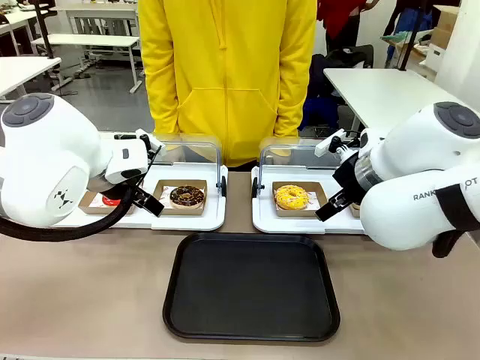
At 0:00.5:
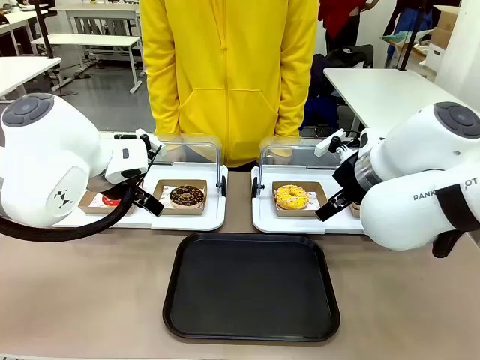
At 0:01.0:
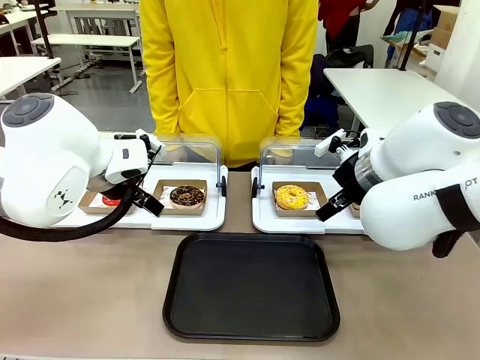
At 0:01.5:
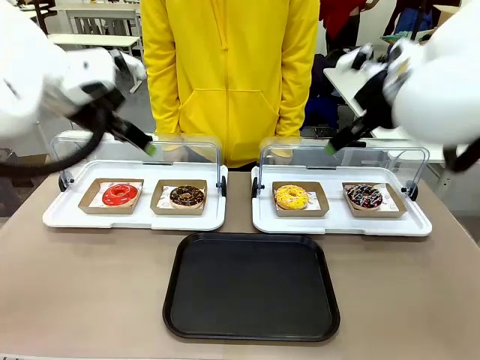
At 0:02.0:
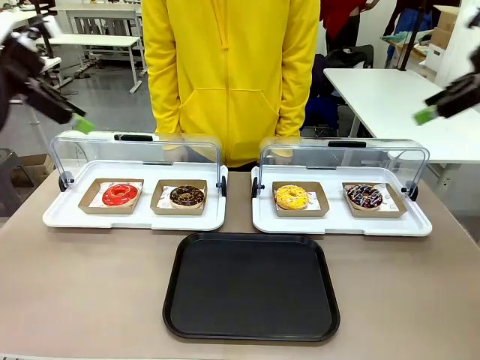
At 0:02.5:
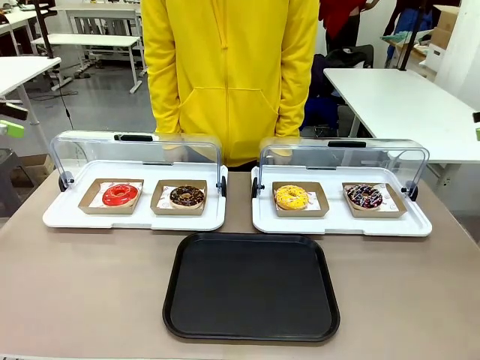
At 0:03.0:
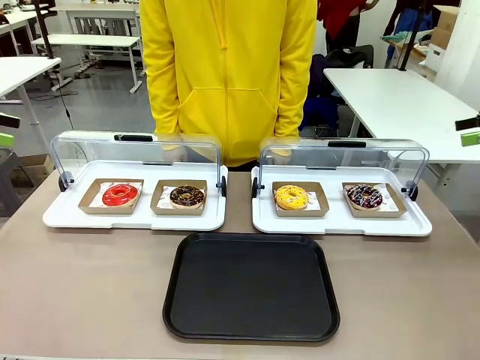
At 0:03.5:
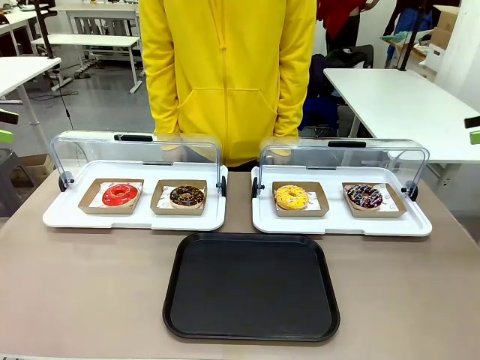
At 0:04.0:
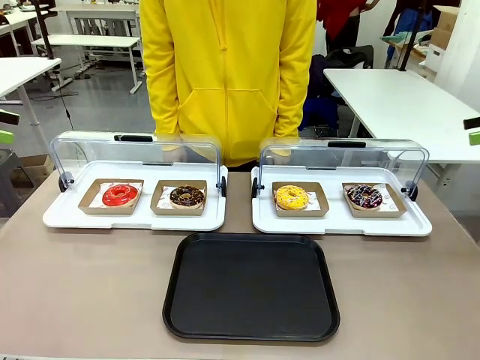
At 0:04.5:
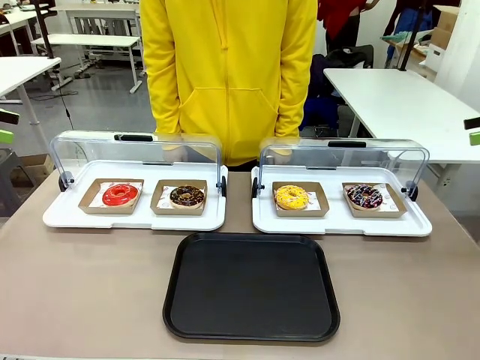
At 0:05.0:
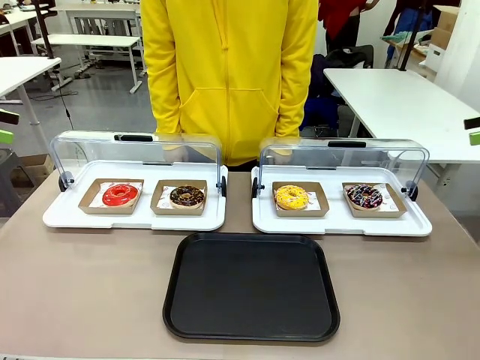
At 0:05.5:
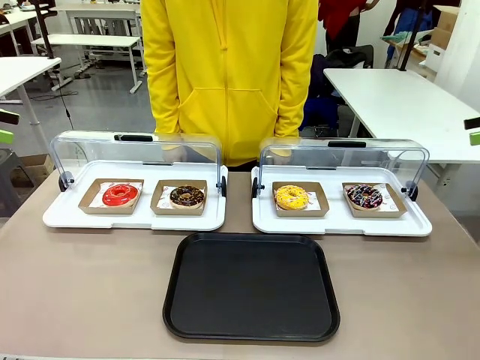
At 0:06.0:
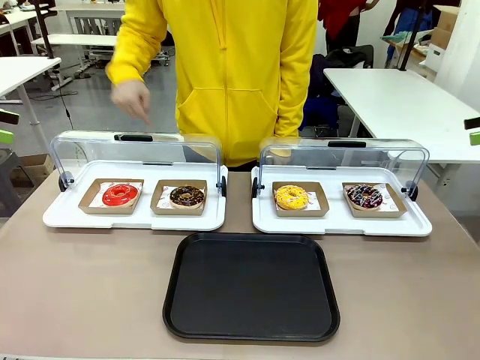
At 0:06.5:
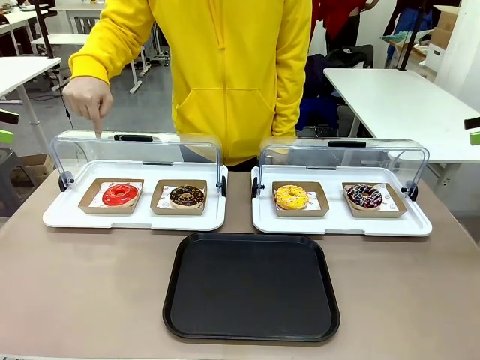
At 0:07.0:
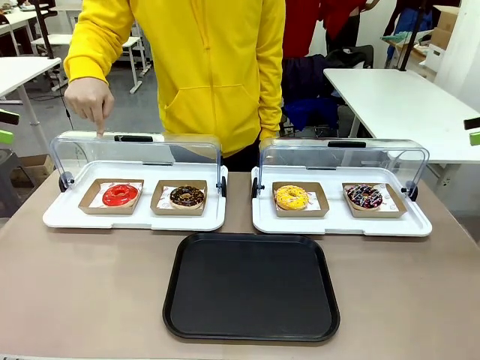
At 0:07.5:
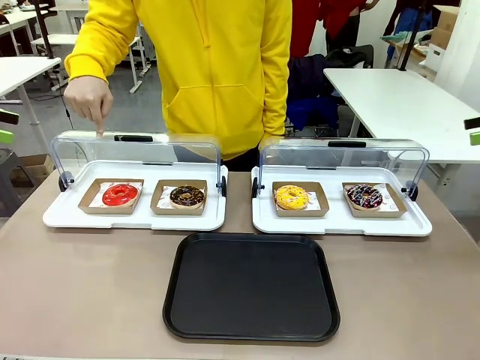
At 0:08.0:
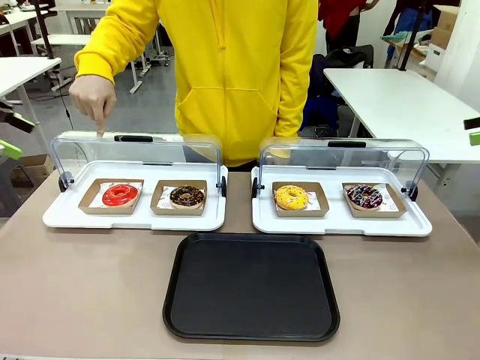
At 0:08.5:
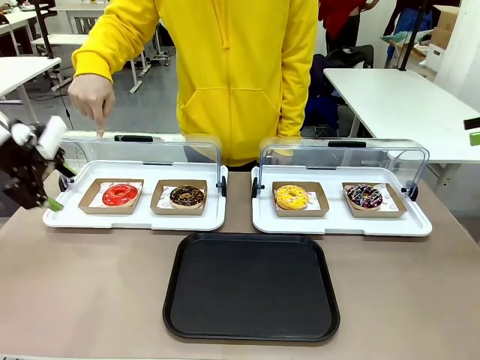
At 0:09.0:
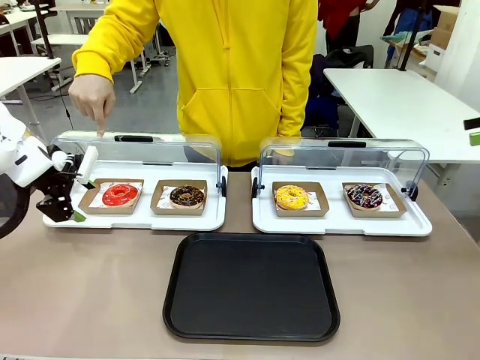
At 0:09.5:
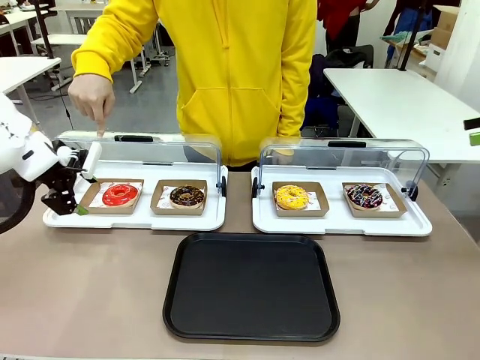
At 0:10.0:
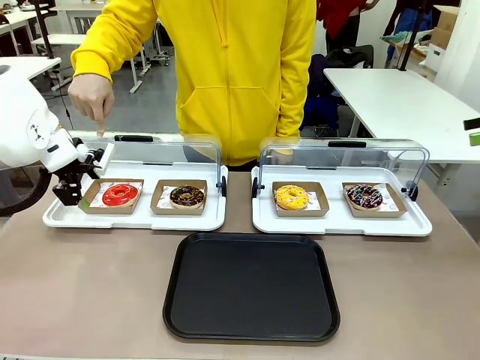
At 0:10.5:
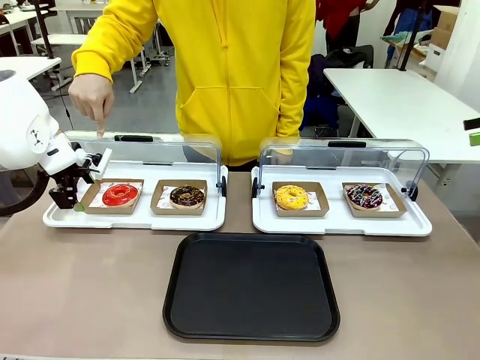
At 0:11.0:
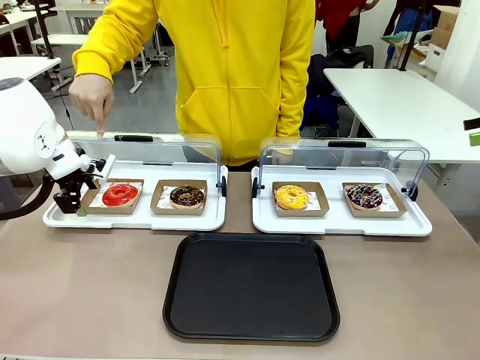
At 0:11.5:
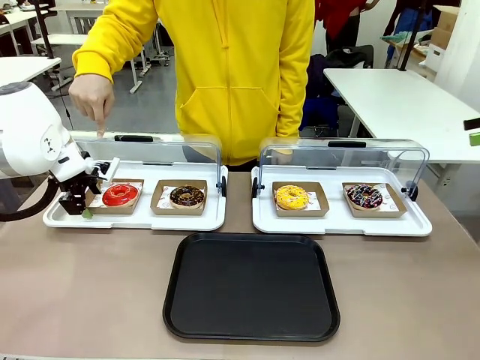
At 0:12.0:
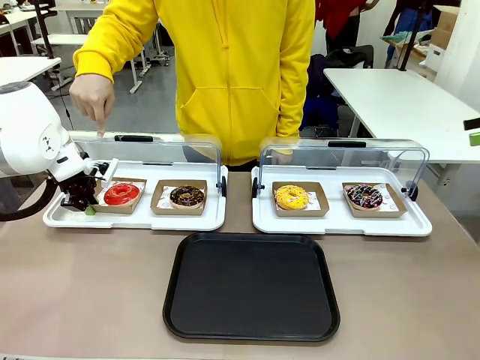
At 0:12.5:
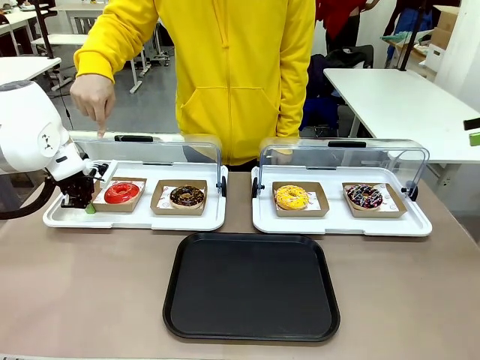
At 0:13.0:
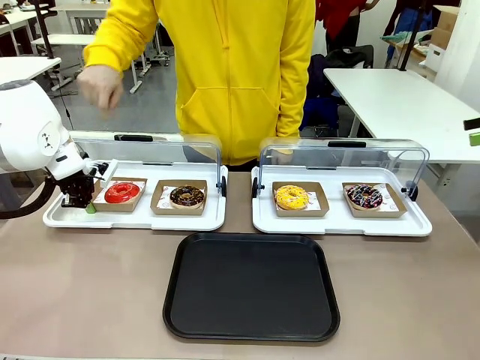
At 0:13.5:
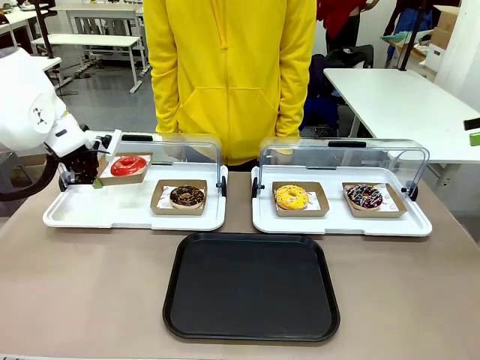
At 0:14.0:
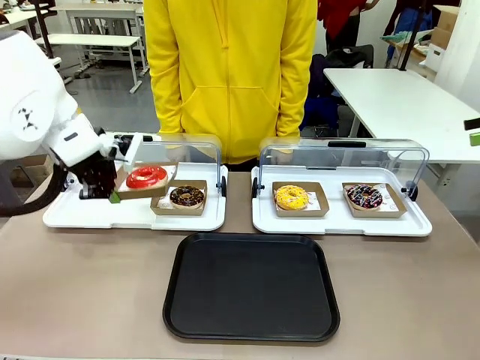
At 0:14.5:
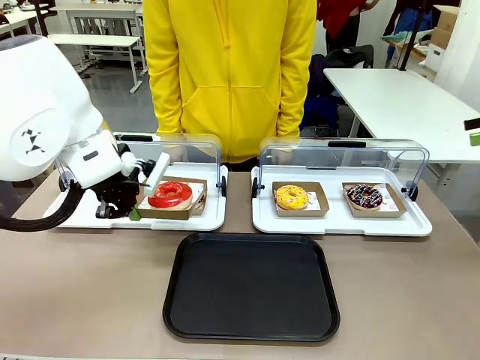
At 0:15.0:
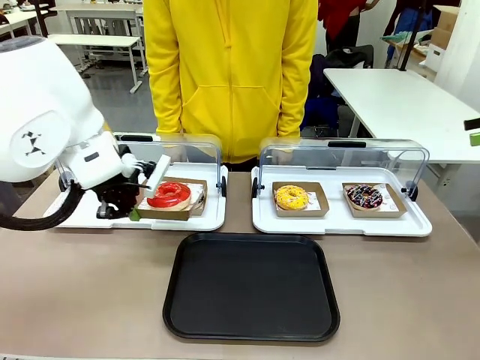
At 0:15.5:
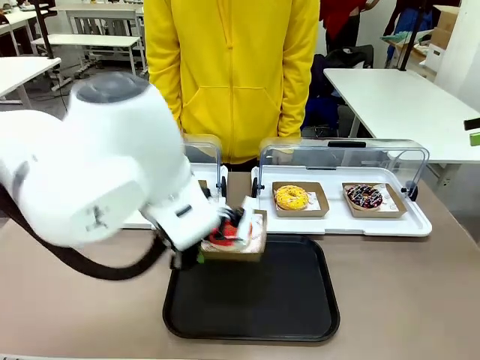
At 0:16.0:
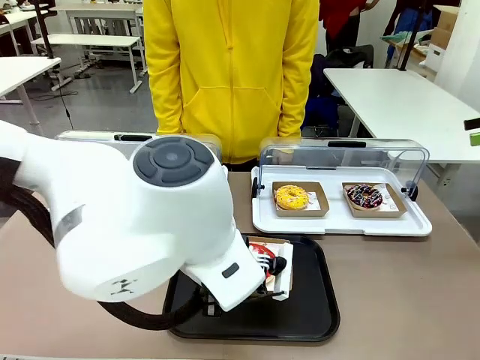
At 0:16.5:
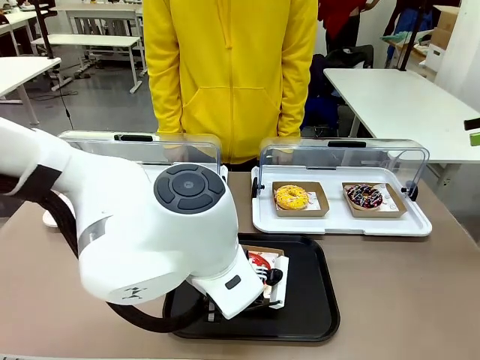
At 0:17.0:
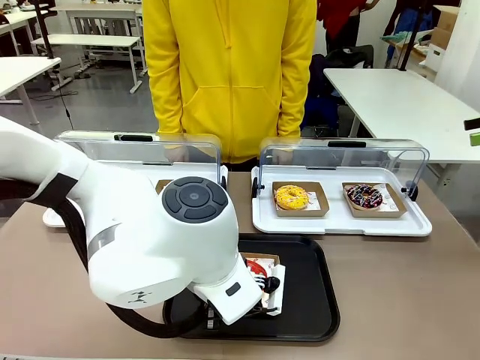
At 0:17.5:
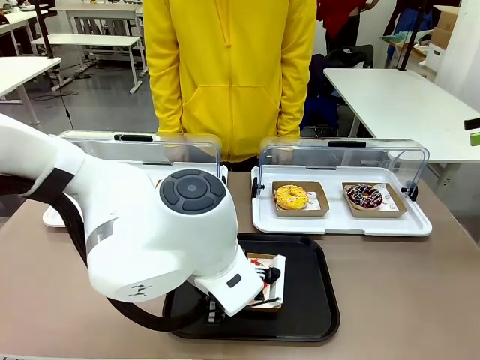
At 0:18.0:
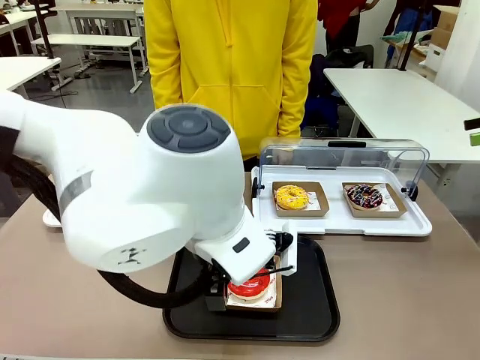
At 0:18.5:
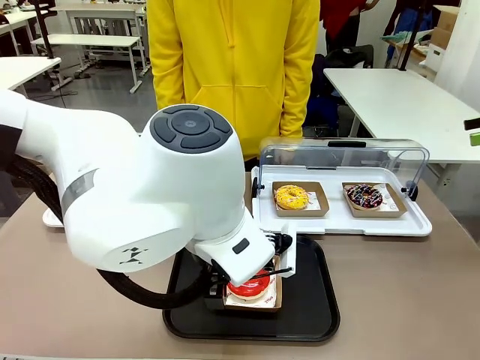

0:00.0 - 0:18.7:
Task: Move the first donut from the left to the tray.
Robot: Pick up the Paper togo box containing the Donut indicated by the person and place it on the Handle tray.
Person: Points to the first donut from the left from the robot’s perspective.
